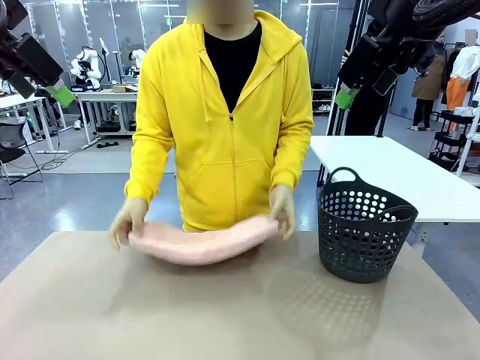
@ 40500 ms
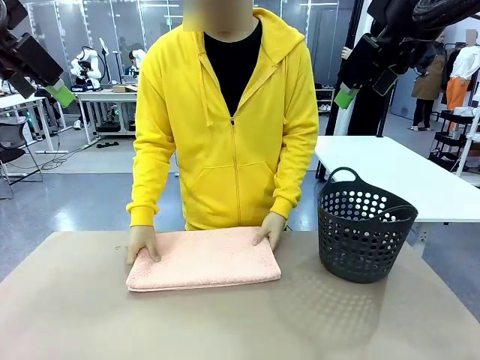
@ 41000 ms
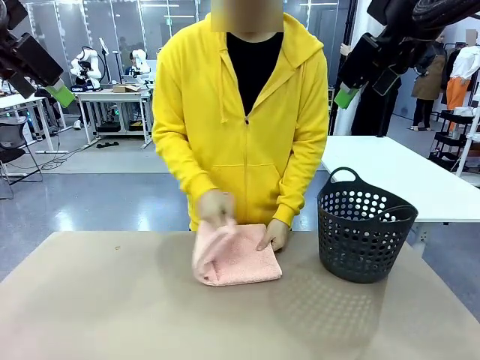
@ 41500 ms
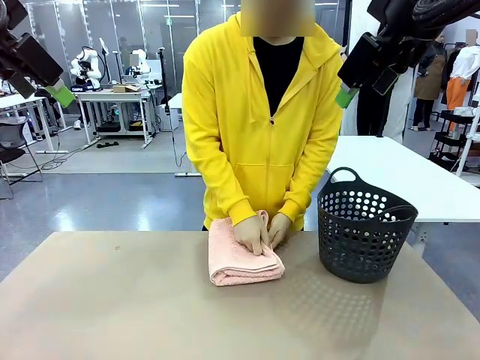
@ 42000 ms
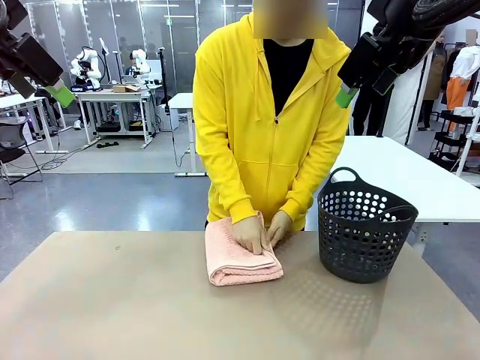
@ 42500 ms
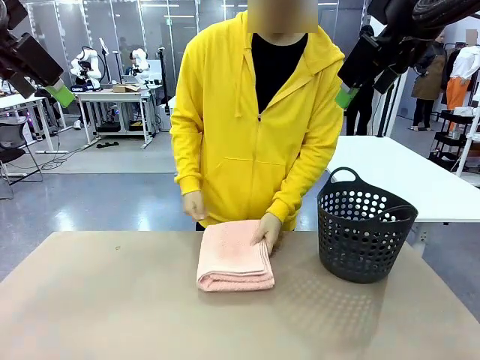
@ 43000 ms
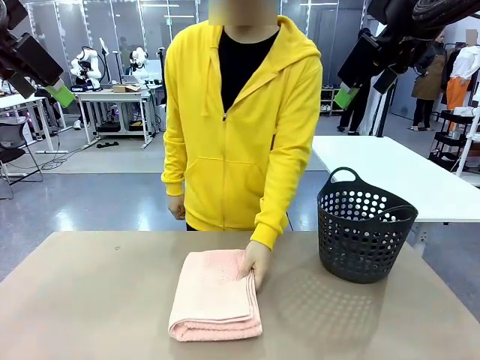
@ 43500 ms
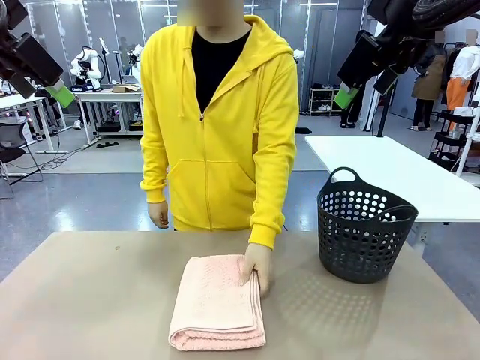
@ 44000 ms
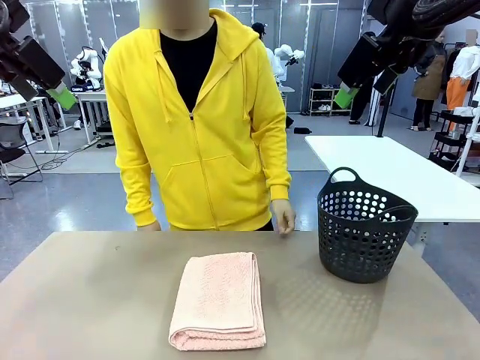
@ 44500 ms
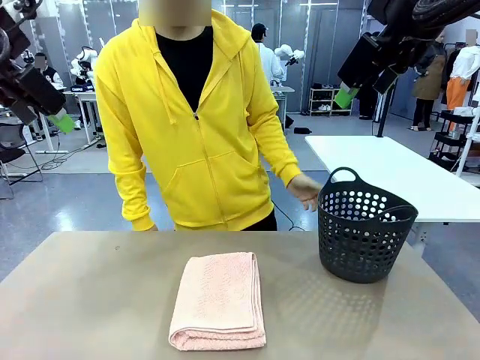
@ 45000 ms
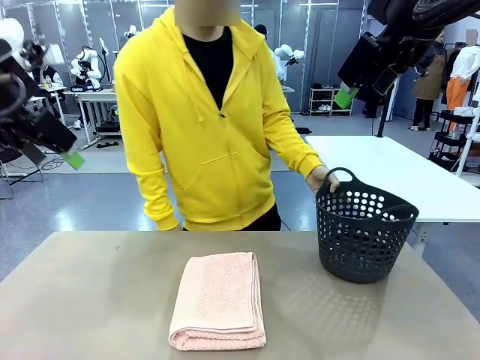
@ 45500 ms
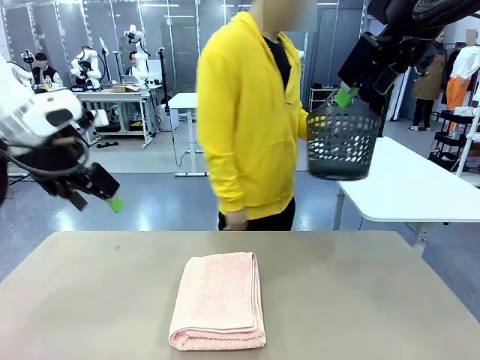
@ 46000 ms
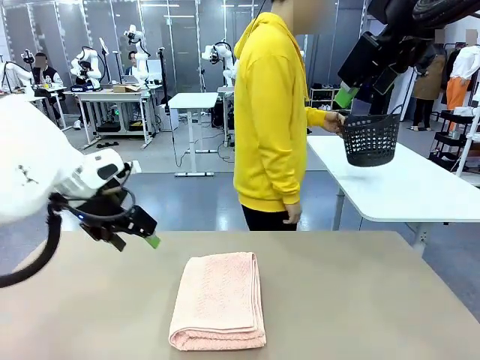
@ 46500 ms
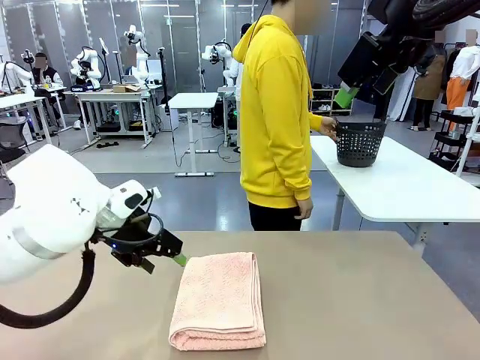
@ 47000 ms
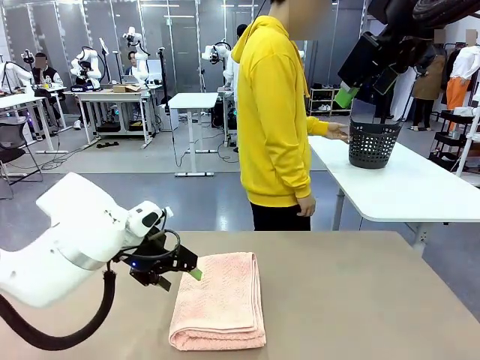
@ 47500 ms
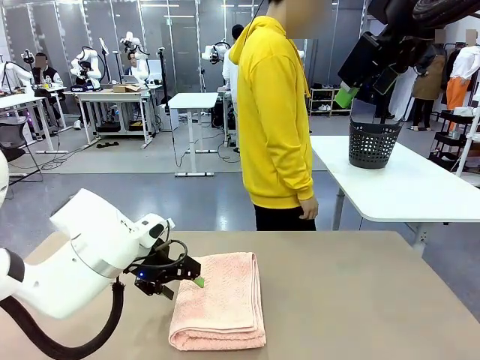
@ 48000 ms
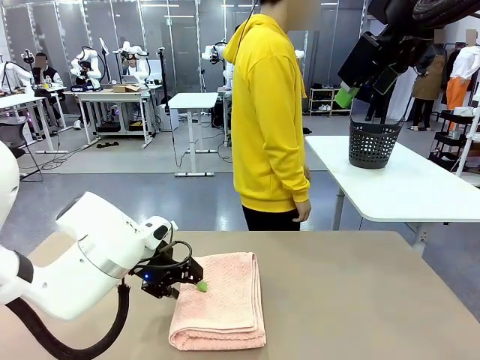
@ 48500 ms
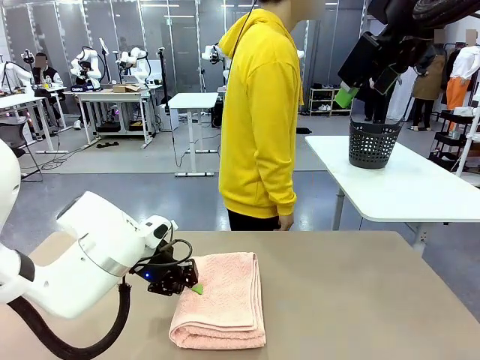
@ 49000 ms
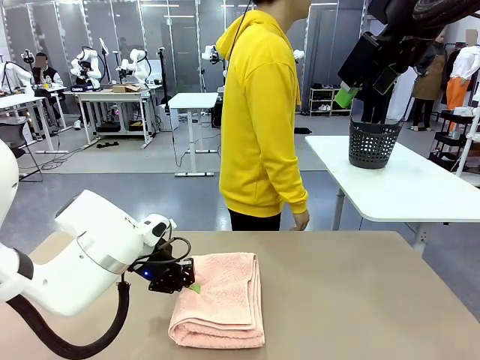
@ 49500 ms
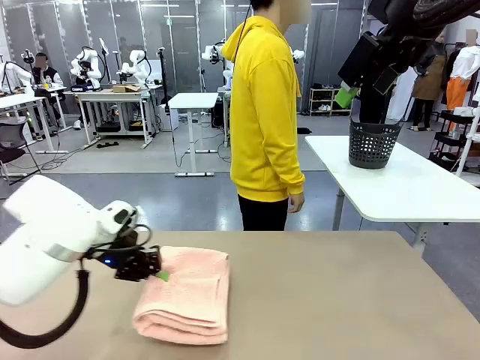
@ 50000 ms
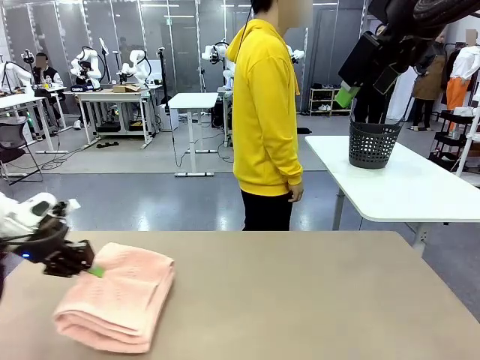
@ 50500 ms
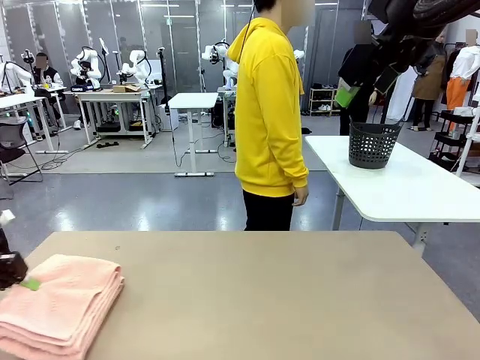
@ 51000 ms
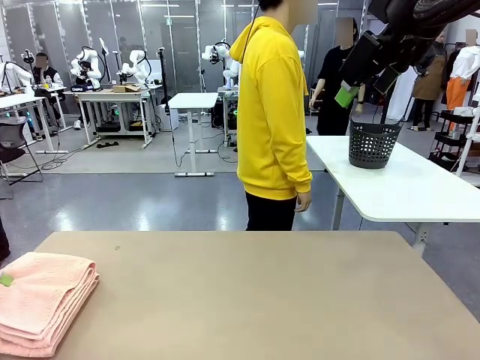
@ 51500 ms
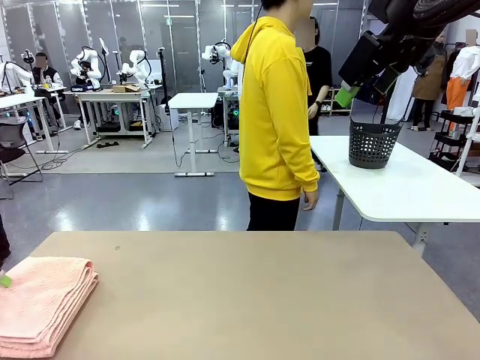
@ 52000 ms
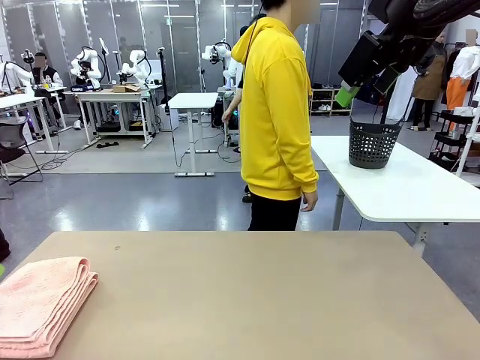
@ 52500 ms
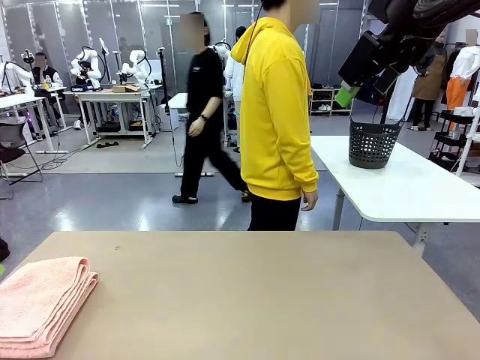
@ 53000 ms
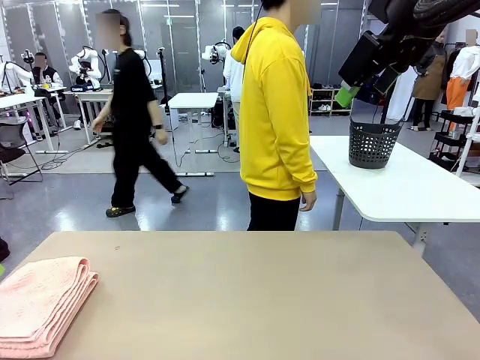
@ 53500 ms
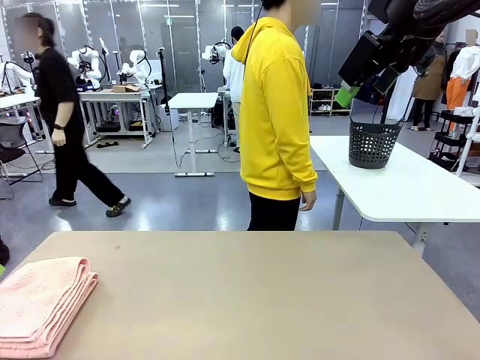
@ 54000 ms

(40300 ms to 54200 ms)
Task: Fold the towel.
Robot: Pick up the 100 cm Hotel Towel and place it on the left side of the table.
Person: Place the towel at the center of the robot table and fold it in half. Pick up the laundry basket and place it at the center of the human table.

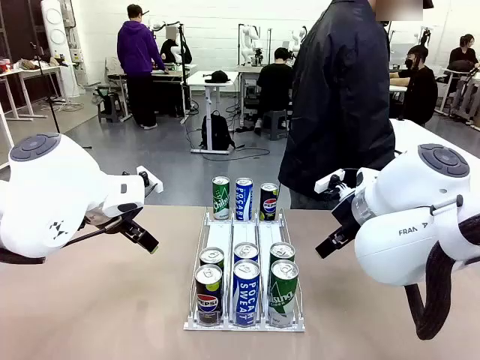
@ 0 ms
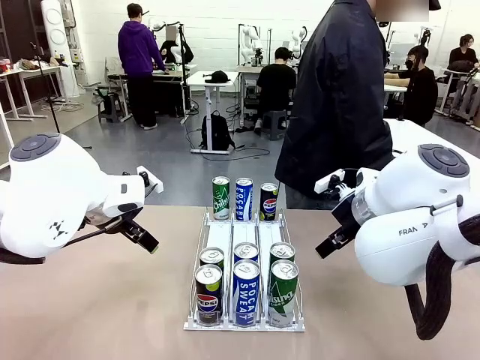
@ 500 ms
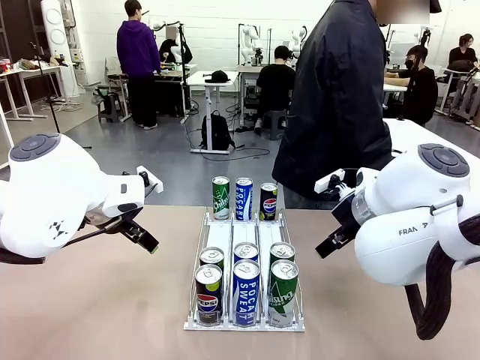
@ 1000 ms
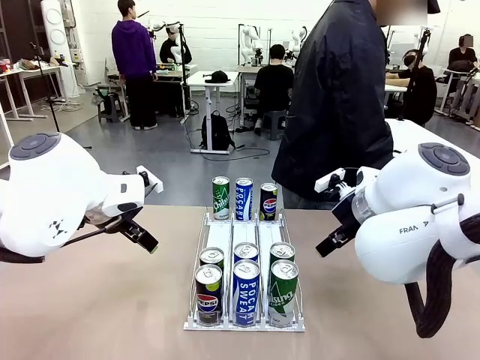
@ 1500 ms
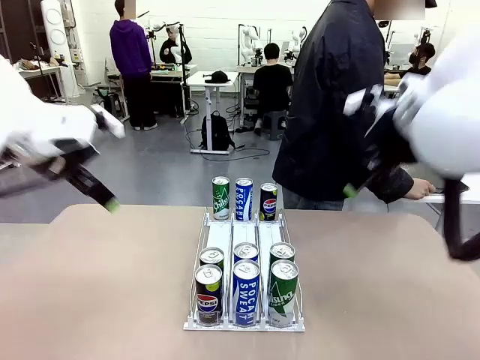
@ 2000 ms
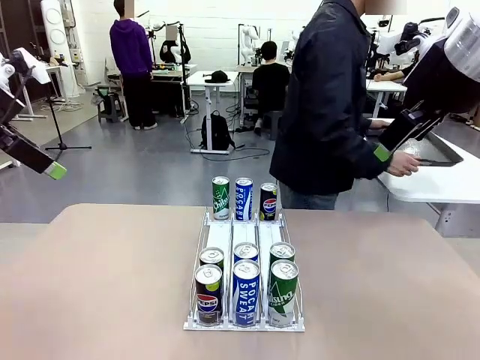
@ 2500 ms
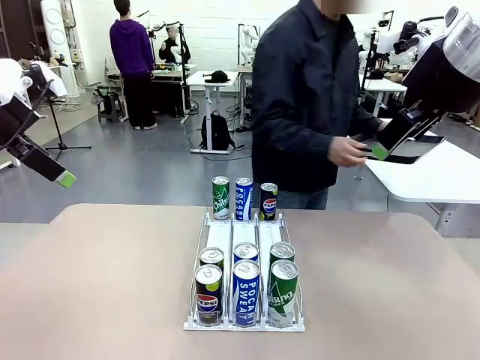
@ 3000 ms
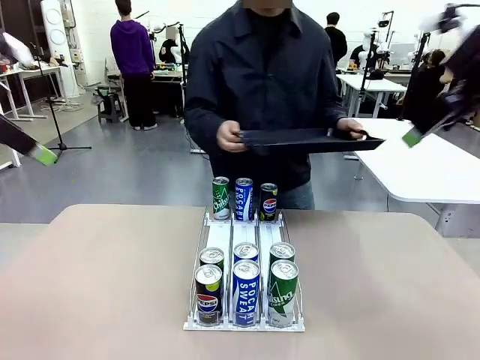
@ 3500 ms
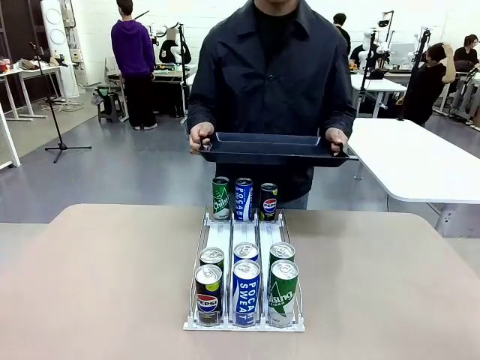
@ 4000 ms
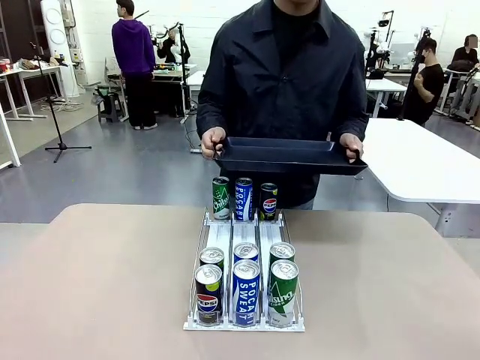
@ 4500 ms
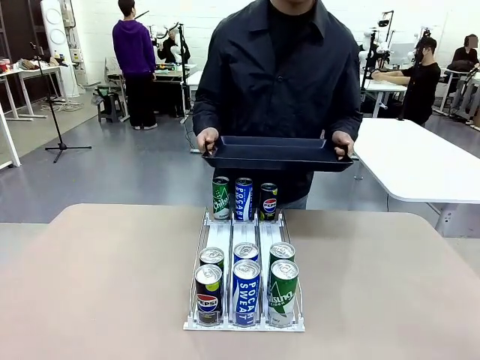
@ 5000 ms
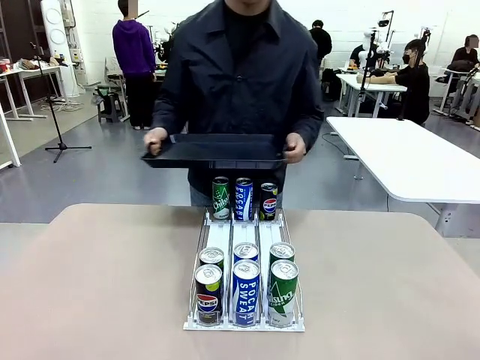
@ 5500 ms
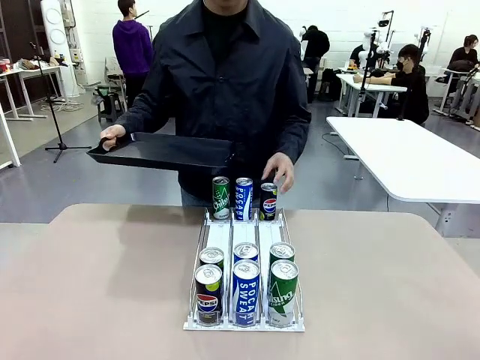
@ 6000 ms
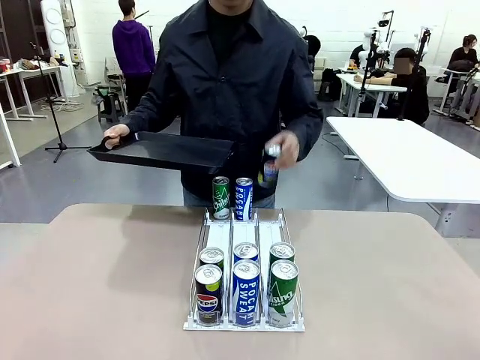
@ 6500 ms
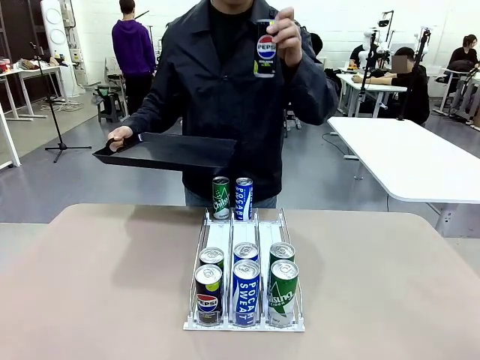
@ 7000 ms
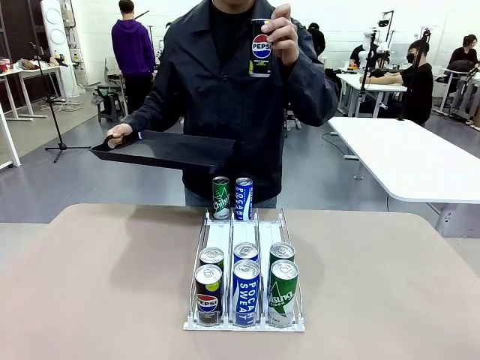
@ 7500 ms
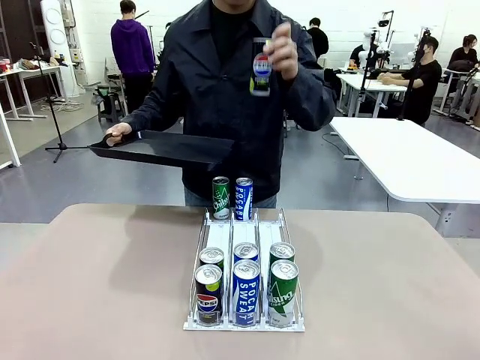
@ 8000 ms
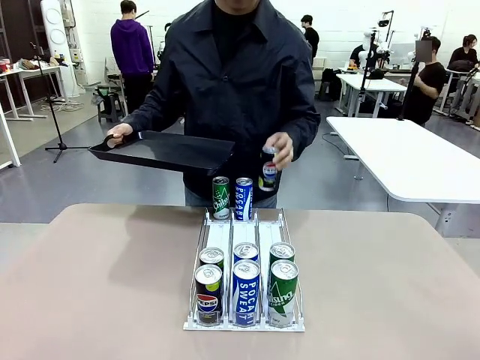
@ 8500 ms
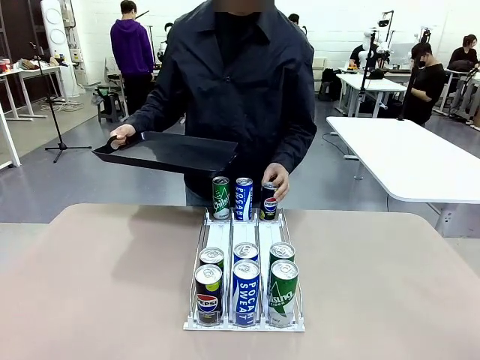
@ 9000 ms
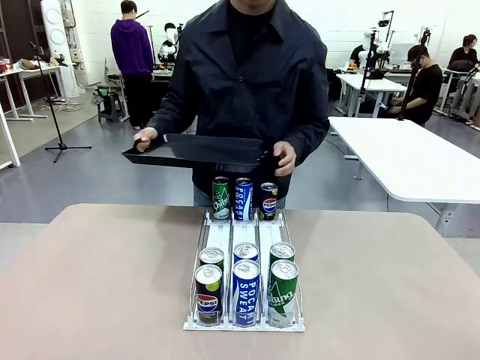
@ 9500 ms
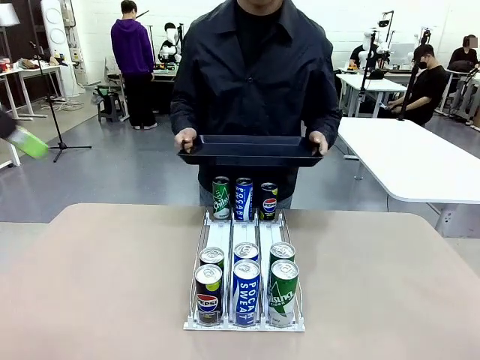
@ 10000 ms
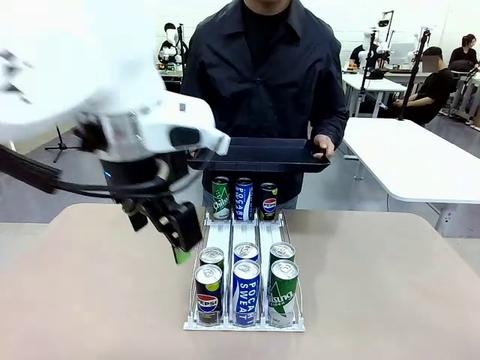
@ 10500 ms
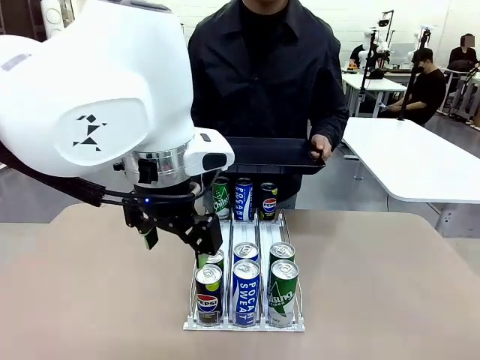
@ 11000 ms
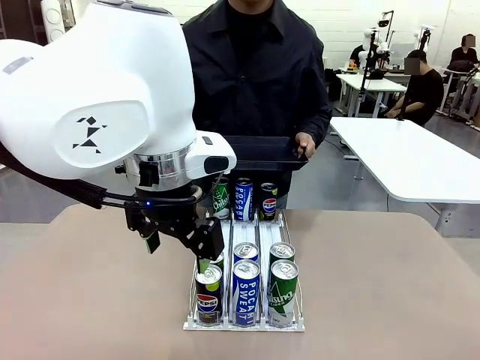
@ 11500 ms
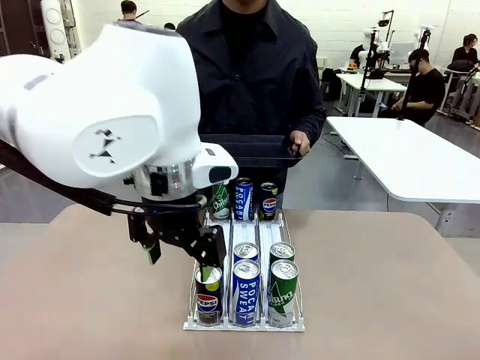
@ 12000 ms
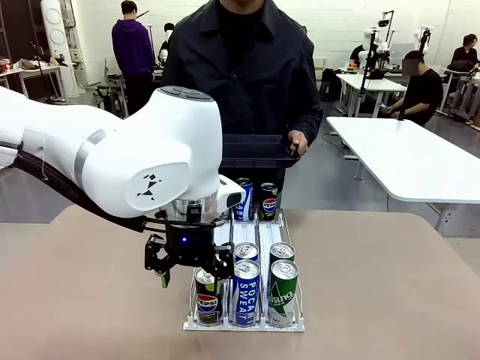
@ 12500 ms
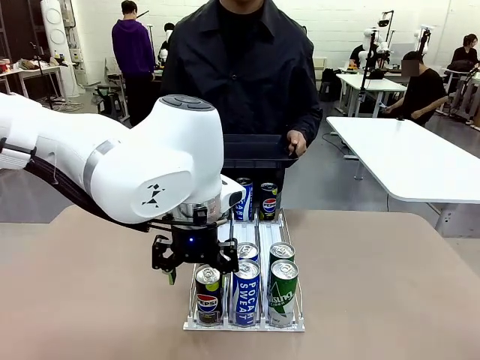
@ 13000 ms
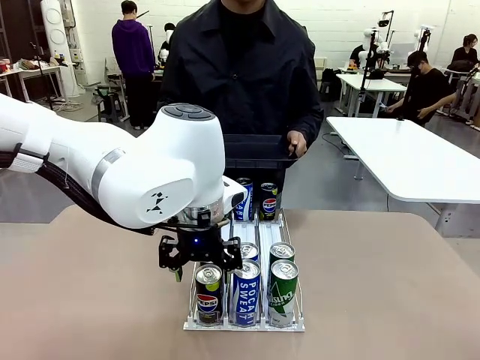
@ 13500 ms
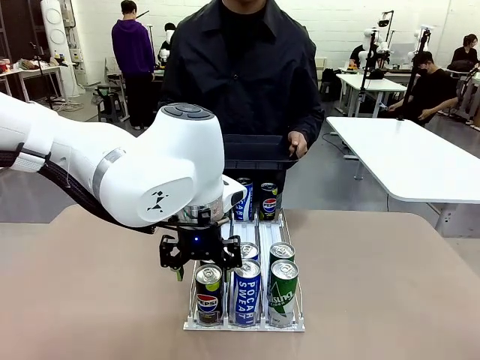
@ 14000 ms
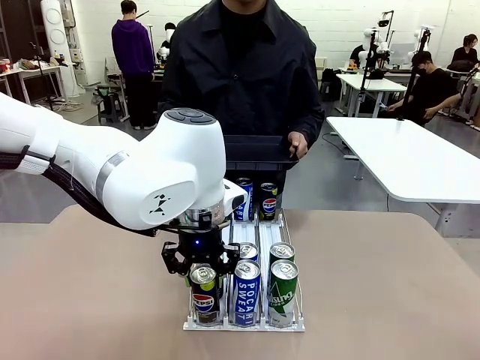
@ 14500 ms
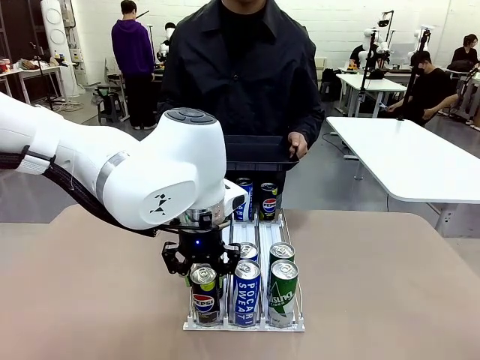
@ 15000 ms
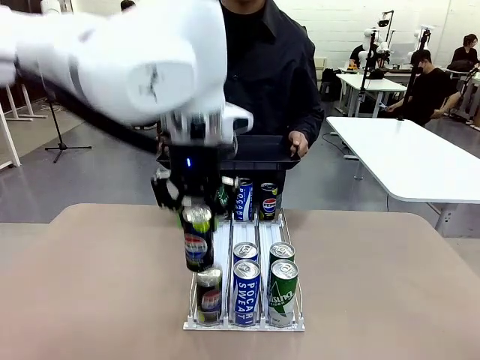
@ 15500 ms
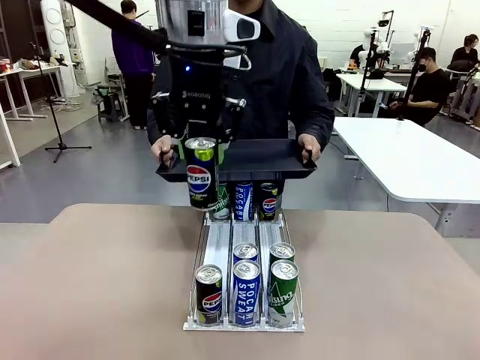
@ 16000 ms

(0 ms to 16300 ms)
Task: Retrieve and hand over the desired beverage to the person.
Robot: Pick up a can of the same type that the person held from the Automatic Can Dispenser.
Person: Hold the tray and position yourself in front of the robot table. Pick up one can from the bottom area of the table and puts it back in its original place. Push the tray toward the robot.
